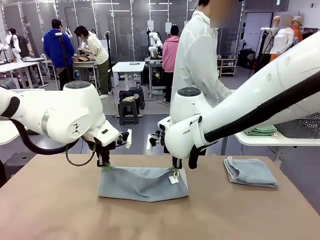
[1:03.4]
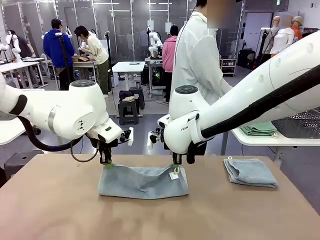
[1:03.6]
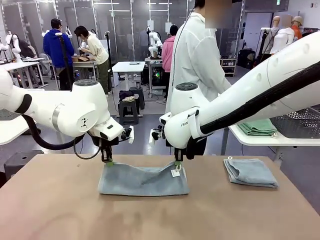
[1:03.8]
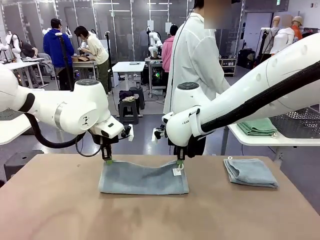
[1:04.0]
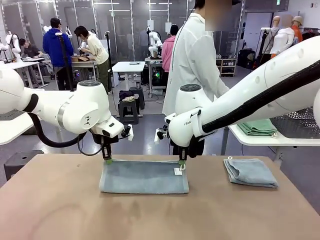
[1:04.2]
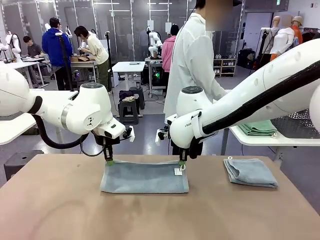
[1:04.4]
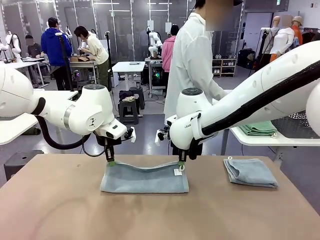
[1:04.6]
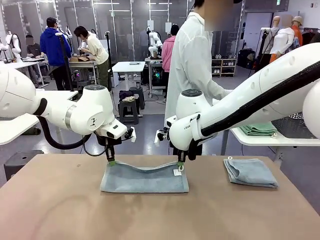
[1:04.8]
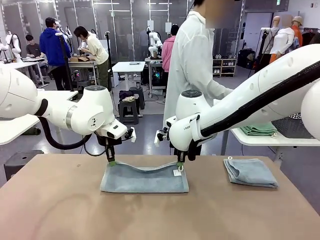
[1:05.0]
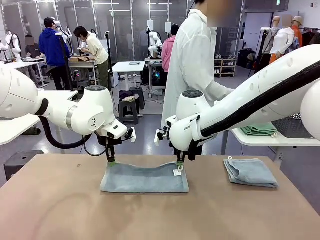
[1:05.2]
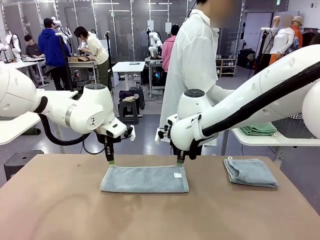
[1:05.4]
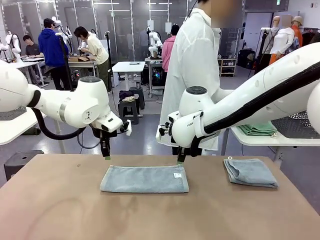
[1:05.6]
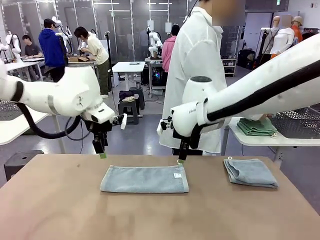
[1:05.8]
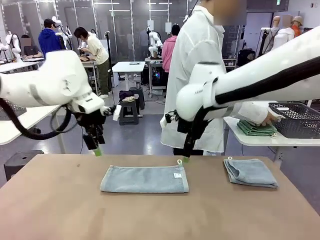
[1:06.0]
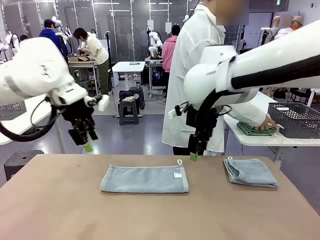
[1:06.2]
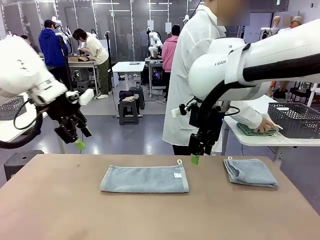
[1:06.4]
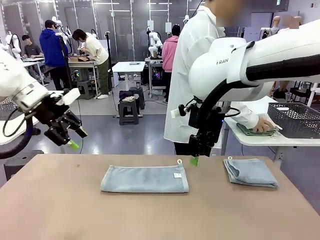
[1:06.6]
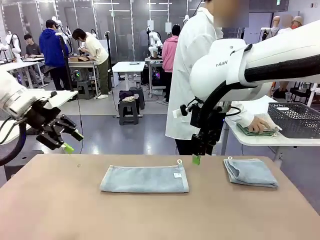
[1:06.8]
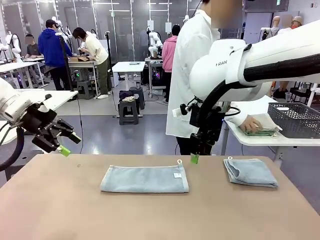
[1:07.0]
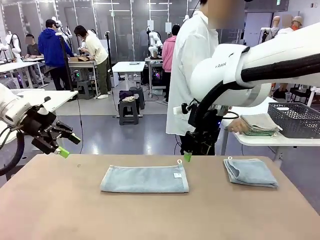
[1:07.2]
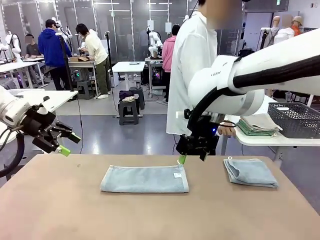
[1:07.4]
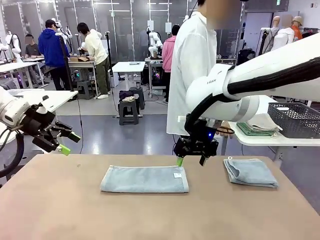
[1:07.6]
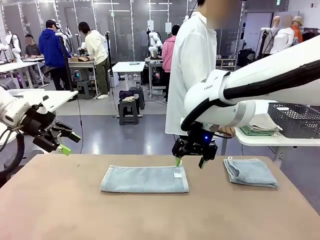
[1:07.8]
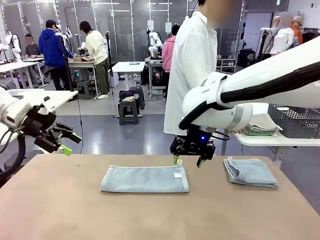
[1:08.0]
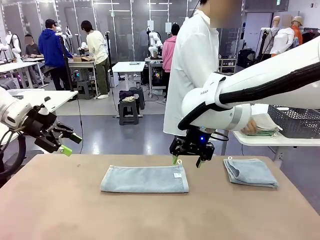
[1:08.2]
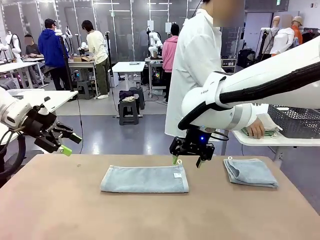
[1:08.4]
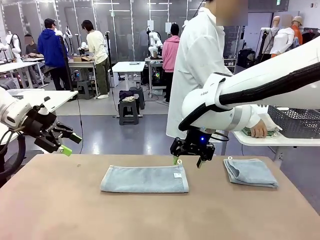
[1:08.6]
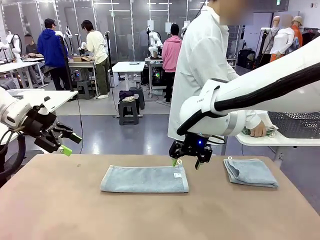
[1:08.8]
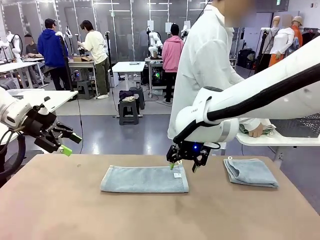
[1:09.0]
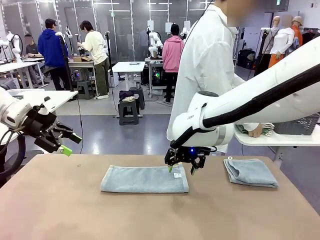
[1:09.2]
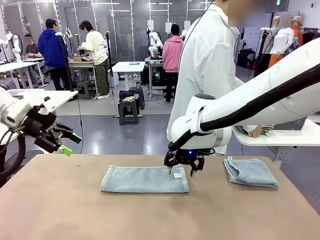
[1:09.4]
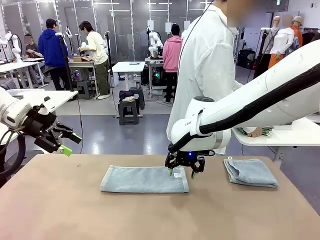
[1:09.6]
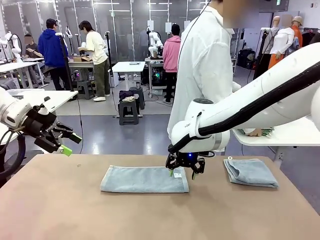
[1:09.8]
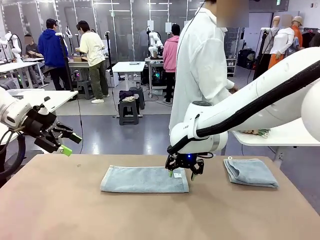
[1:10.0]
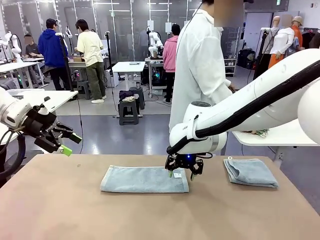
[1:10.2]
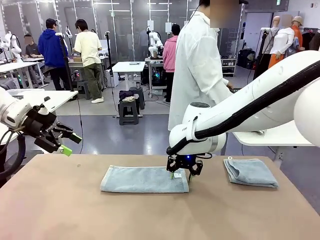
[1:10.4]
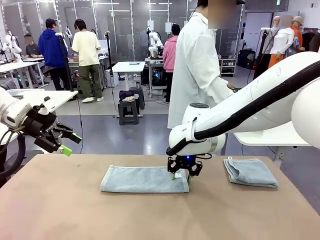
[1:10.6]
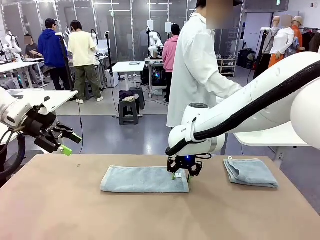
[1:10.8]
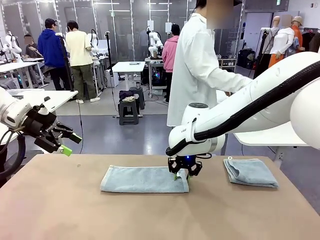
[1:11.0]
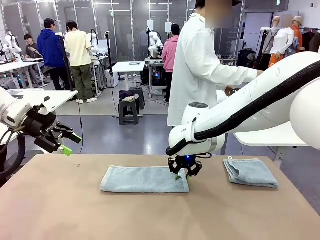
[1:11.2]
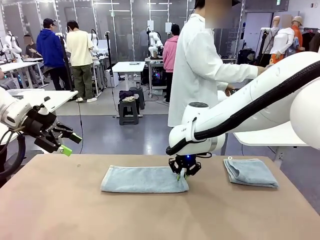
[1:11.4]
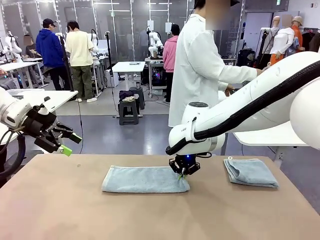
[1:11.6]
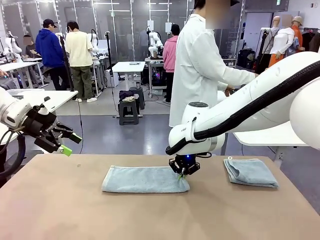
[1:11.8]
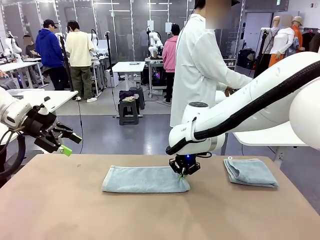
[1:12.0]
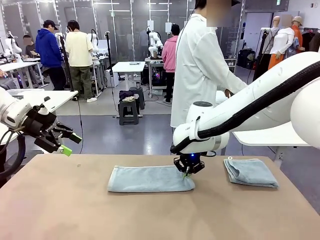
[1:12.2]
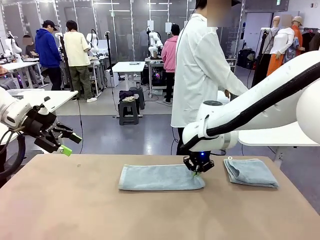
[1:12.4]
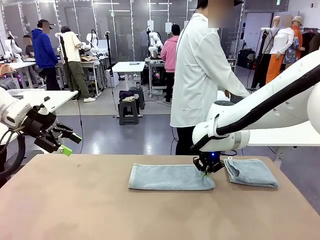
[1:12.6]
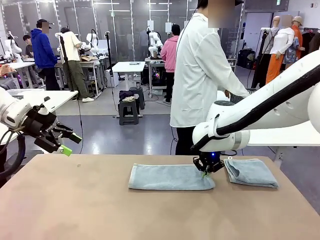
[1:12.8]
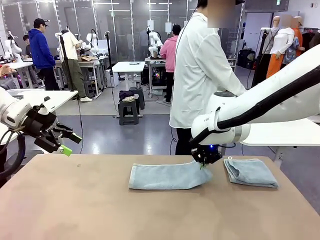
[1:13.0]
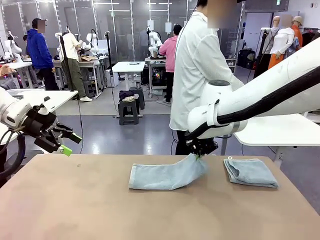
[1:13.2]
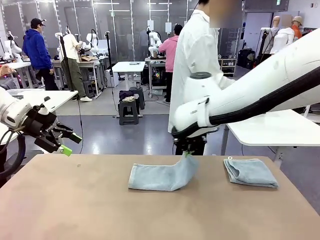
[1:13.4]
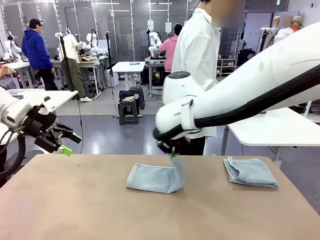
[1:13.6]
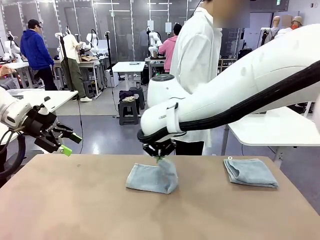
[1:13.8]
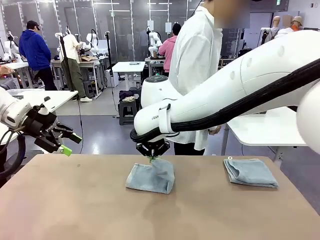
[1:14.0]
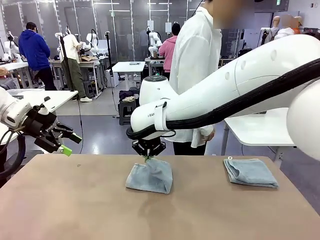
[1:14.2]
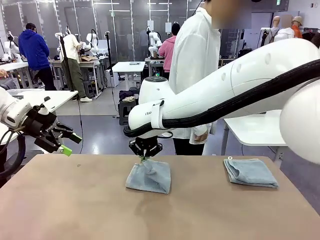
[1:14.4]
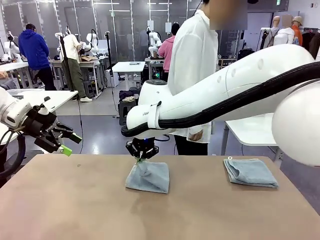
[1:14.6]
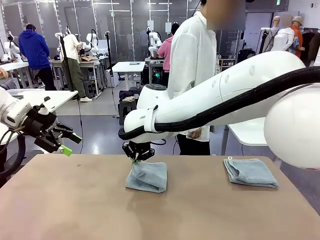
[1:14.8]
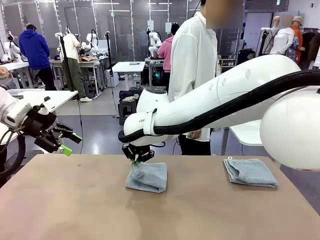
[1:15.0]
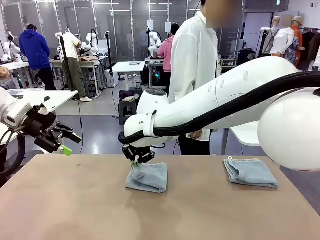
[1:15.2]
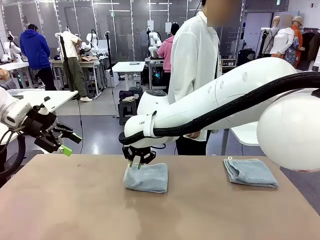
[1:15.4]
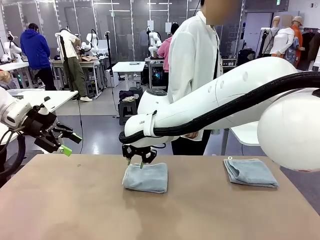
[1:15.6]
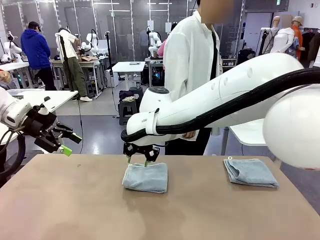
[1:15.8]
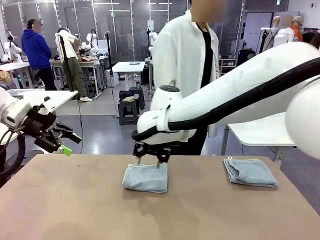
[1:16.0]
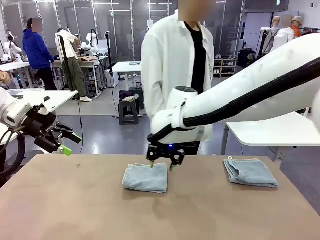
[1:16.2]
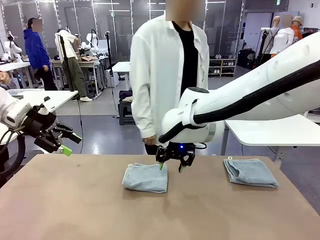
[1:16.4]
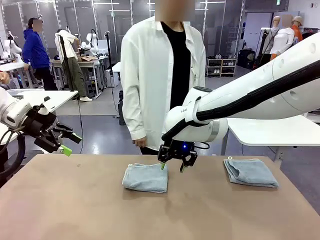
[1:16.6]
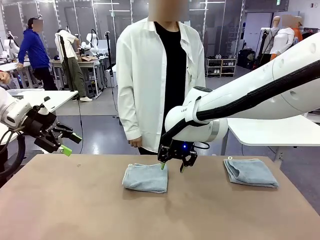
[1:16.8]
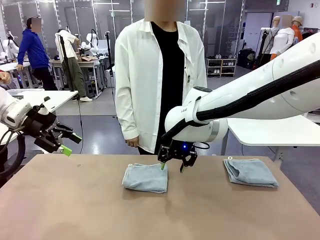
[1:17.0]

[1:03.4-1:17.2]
Task: Fold the towels and place them in the basket.
Robot: When a person lays out a Towel with hook on the table, fold it in half twice.
Person: Pick up the stack of towels from the right side of the human table, place it into the basket, and put the basket at the center of the table.

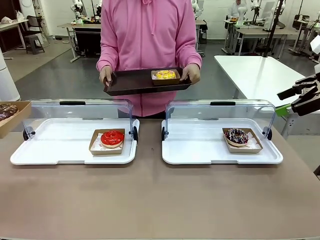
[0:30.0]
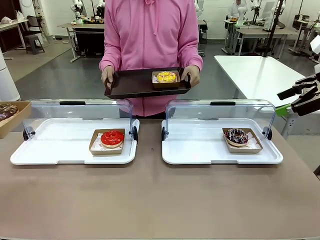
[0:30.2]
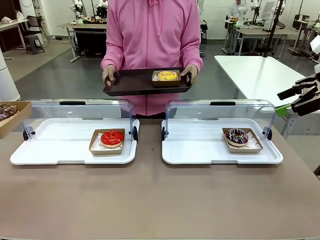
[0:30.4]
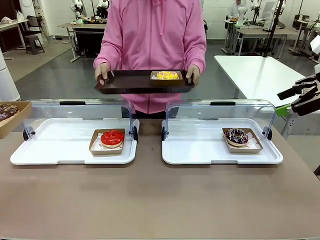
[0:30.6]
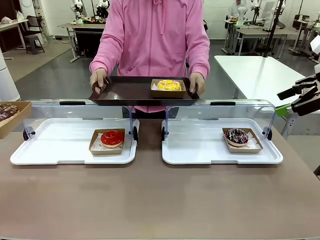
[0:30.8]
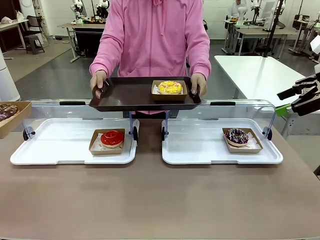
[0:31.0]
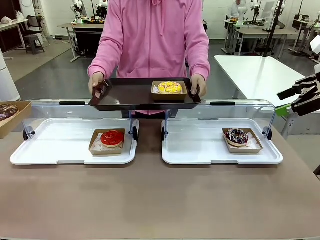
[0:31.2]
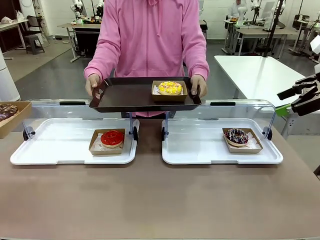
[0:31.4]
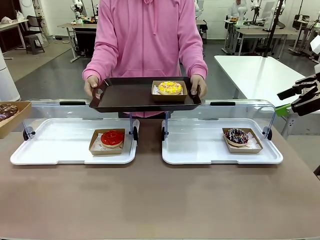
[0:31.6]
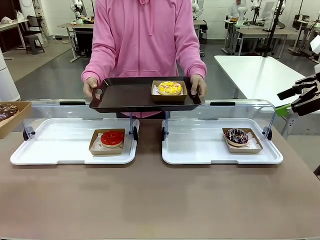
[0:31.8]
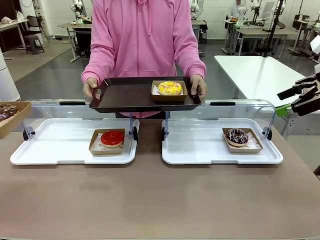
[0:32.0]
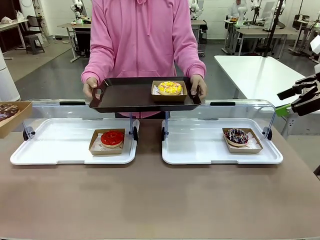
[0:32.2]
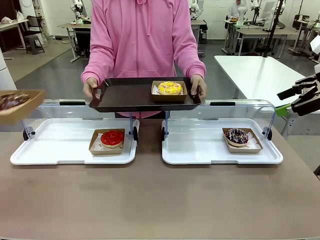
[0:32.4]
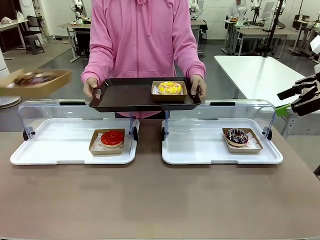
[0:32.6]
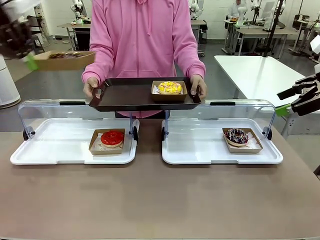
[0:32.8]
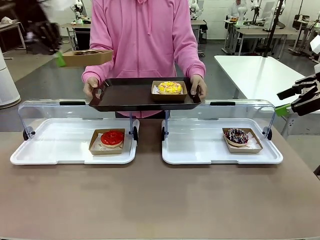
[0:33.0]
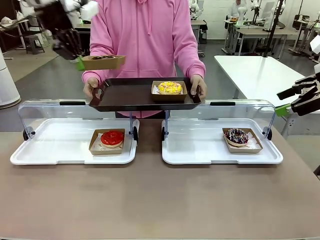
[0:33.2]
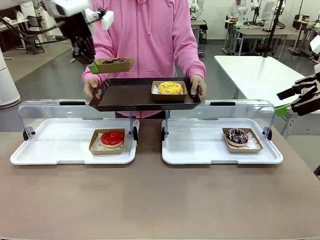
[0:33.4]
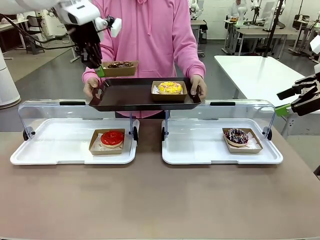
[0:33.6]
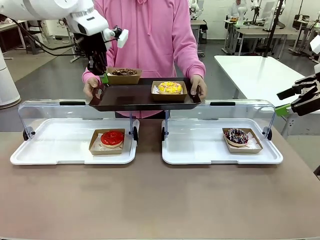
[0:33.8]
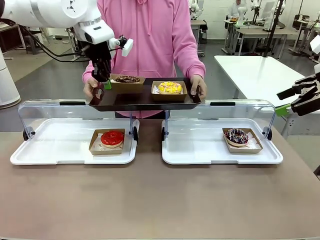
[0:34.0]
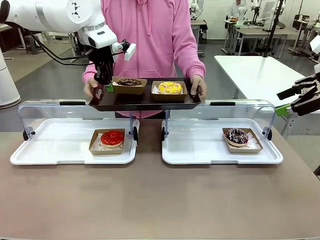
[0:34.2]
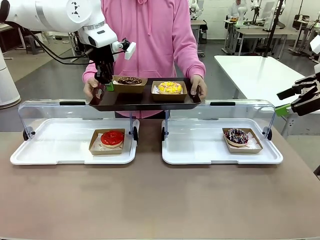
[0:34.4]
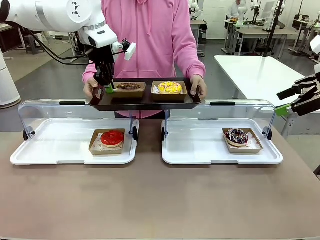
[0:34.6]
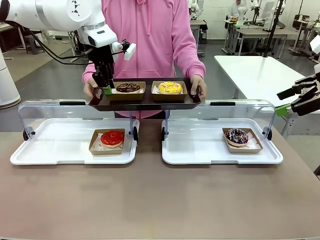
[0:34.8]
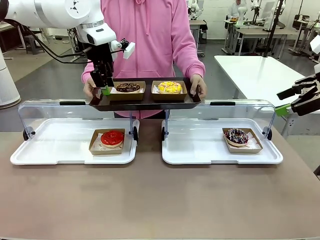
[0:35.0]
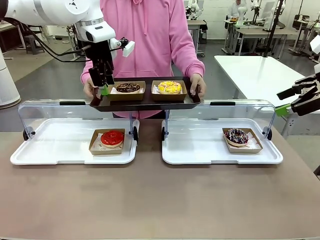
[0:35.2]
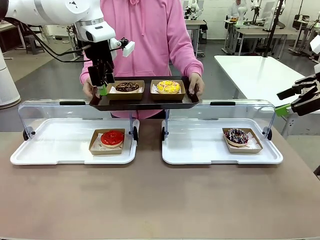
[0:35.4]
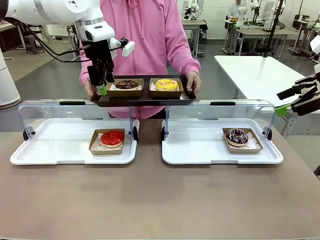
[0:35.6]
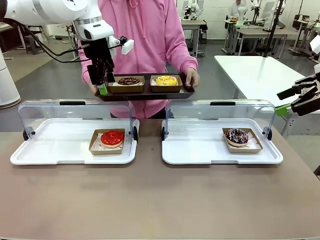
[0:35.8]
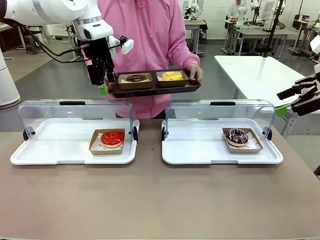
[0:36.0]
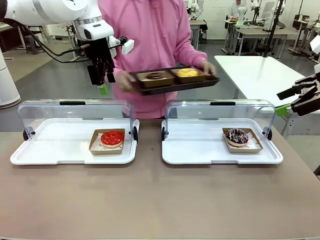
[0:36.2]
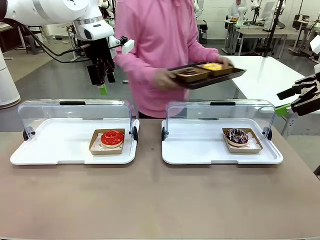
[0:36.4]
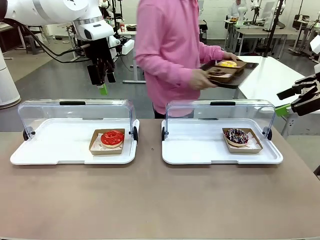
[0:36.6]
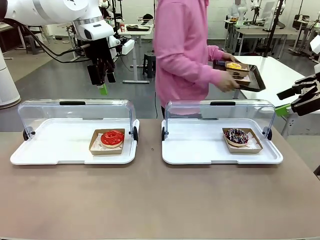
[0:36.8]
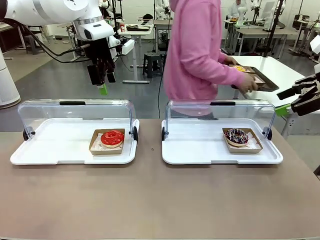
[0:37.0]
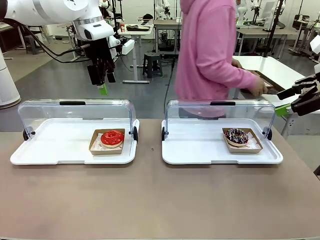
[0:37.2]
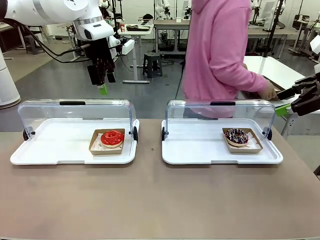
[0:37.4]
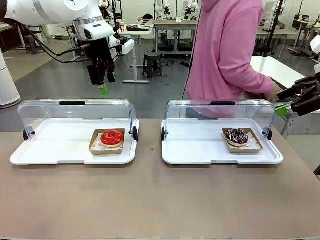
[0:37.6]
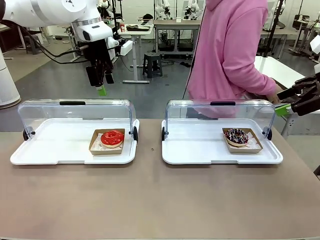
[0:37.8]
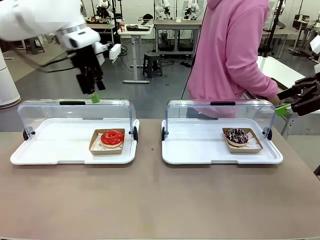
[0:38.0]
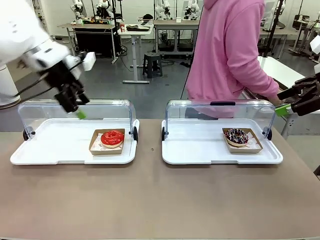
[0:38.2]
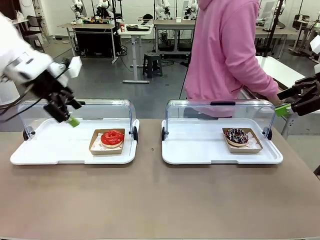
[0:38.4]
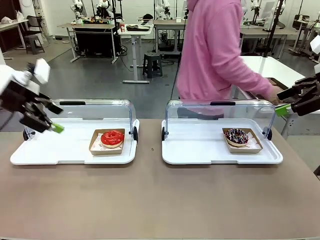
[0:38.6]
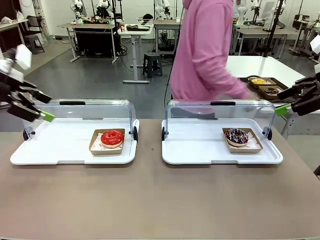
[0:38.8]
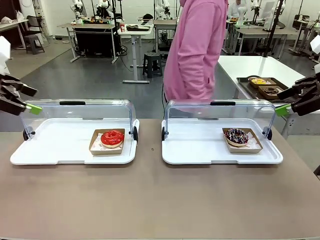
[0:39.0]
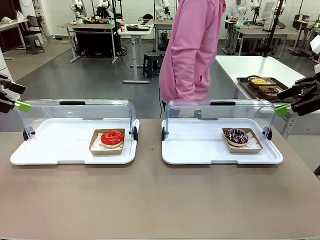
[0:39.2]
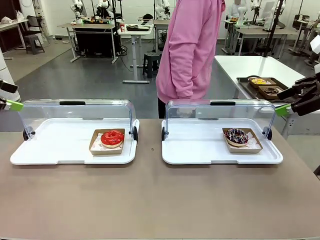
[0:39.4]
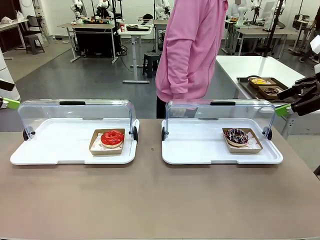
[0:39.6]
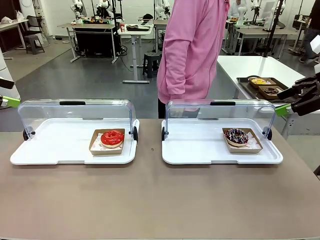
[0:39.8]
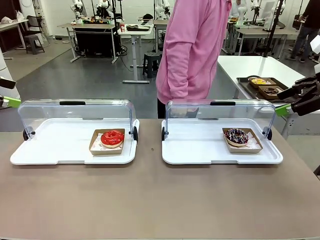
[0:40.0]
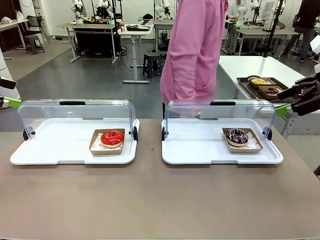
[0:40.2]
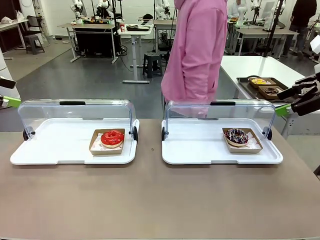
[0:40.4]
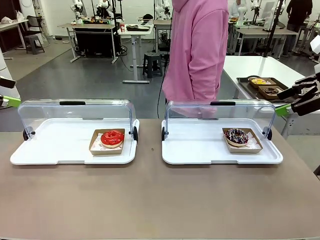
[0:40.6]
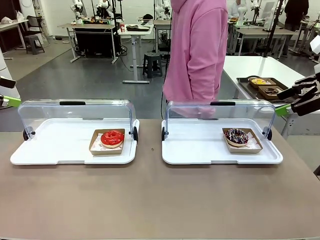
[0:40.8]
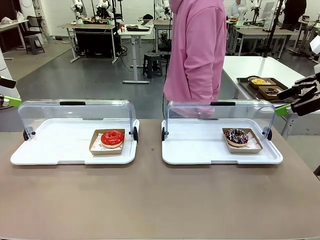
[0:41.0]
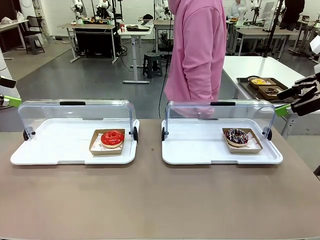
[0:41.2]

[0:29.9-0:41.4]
Task: Provide the desired donut to the person.
Robot: Place the picked Paper togo box onto the Handle tray extended by the person.
Person: Place the tray in the middle of the human table.
